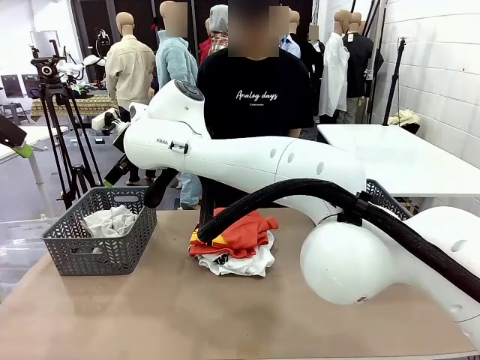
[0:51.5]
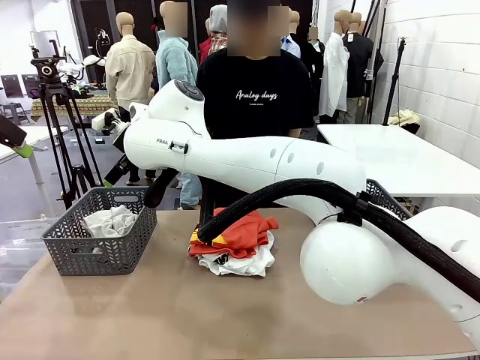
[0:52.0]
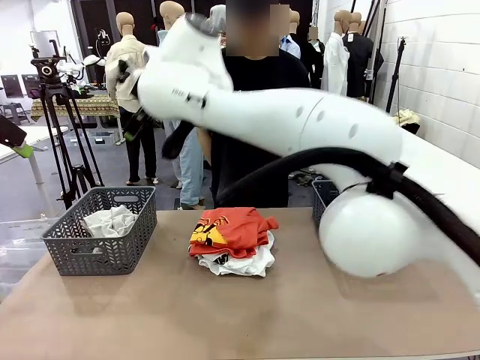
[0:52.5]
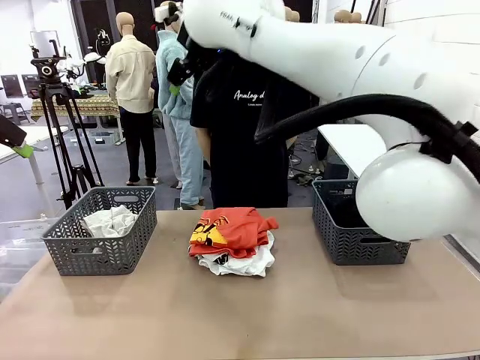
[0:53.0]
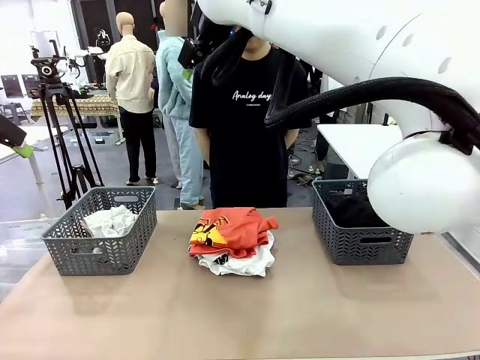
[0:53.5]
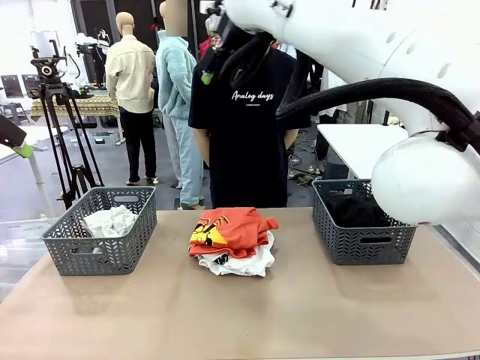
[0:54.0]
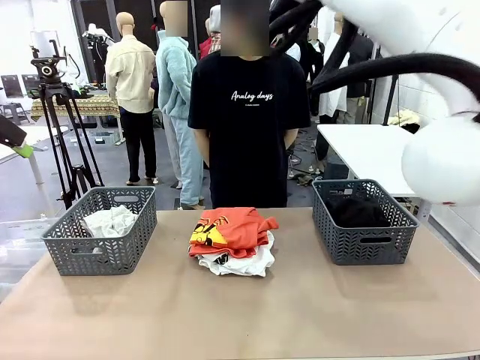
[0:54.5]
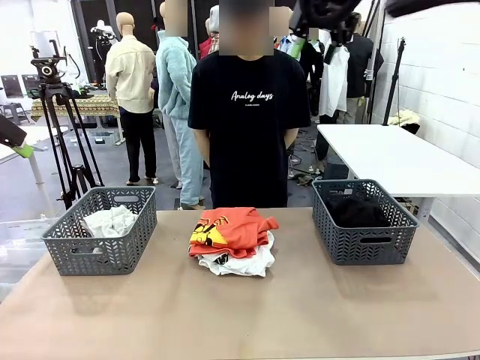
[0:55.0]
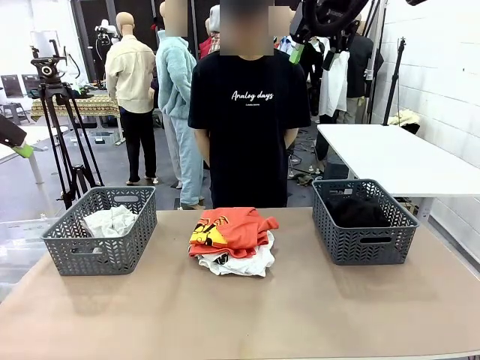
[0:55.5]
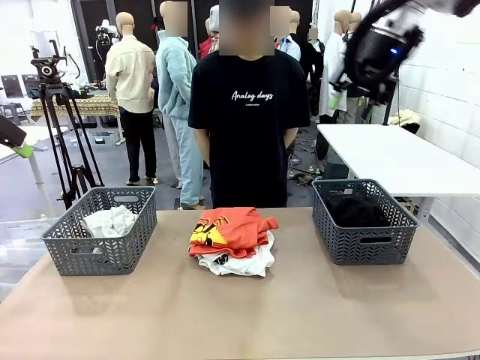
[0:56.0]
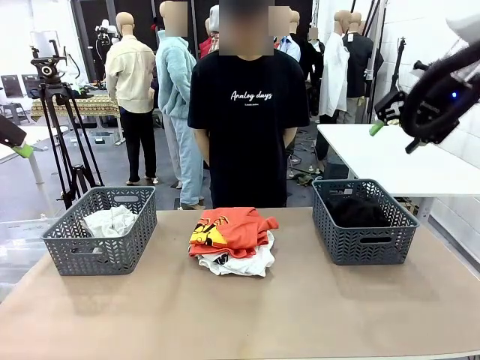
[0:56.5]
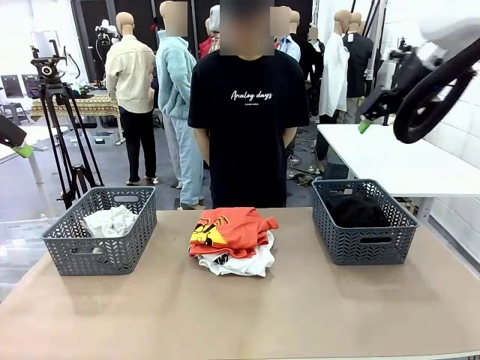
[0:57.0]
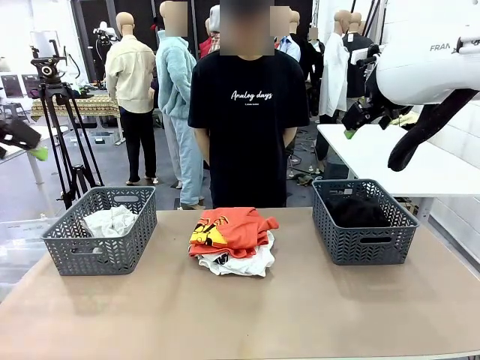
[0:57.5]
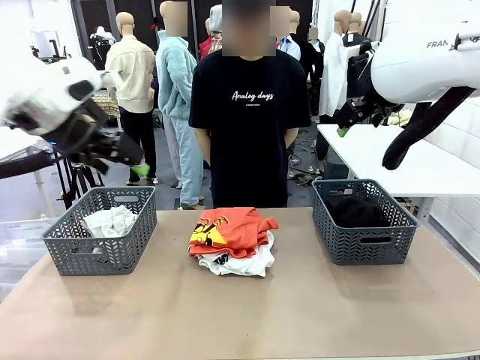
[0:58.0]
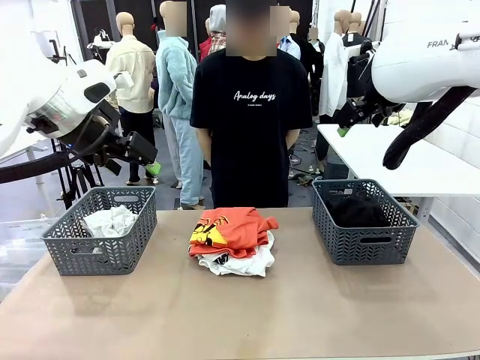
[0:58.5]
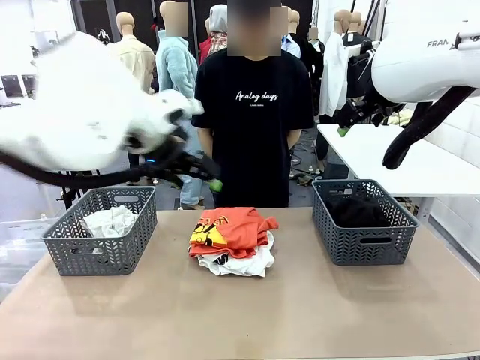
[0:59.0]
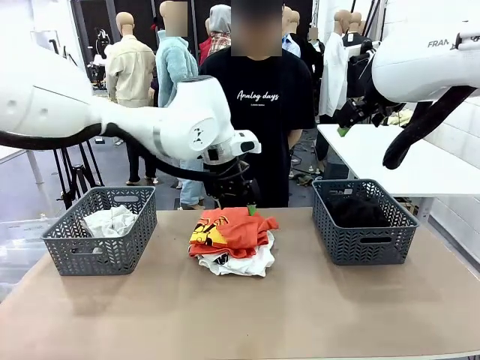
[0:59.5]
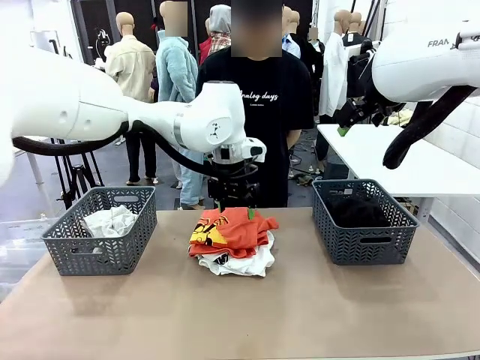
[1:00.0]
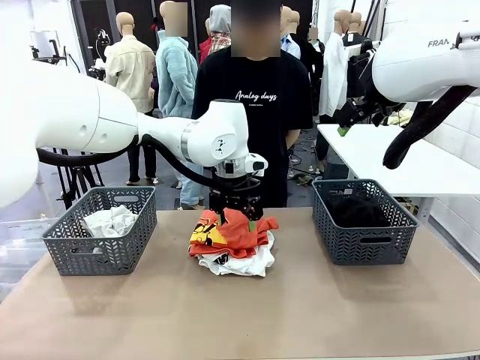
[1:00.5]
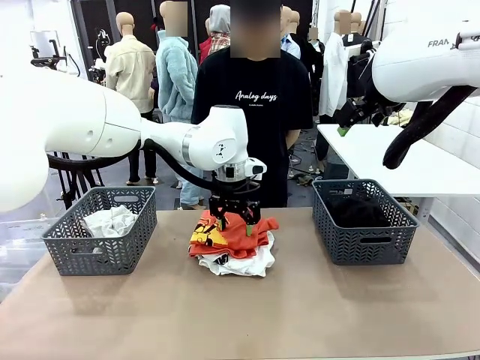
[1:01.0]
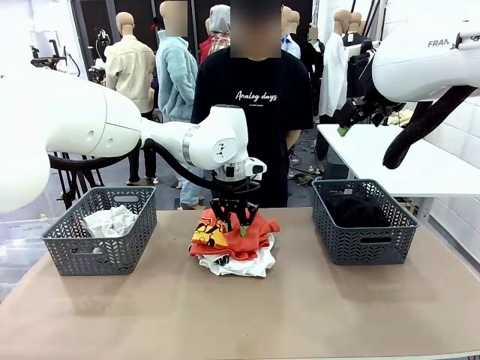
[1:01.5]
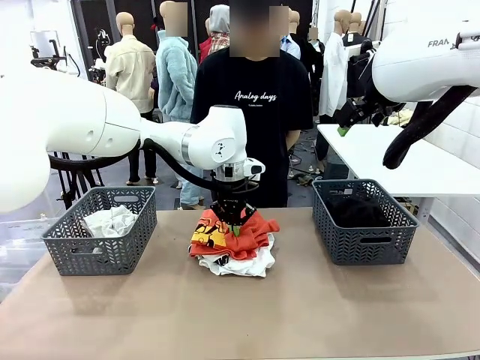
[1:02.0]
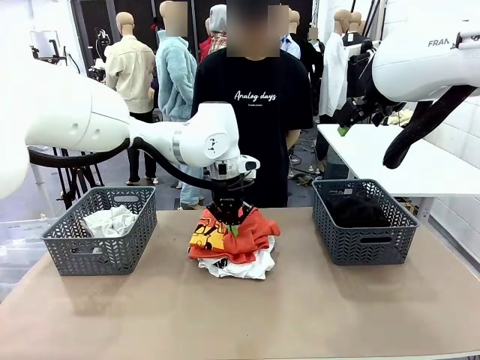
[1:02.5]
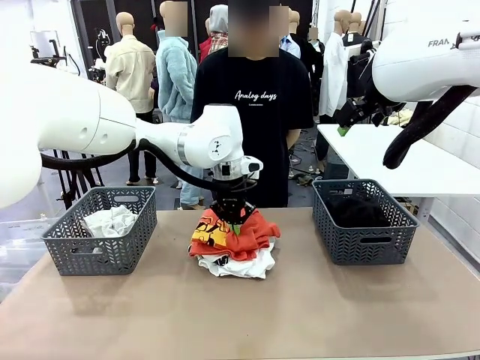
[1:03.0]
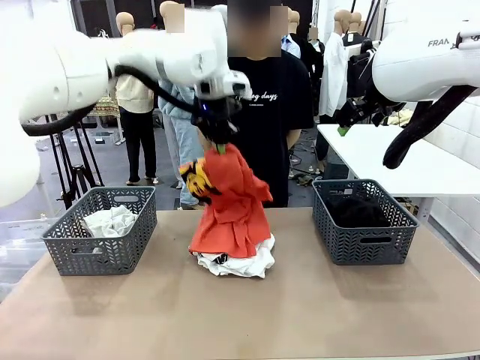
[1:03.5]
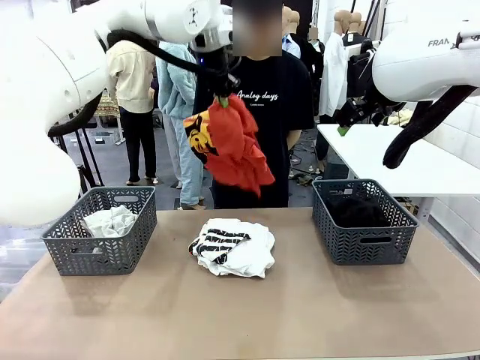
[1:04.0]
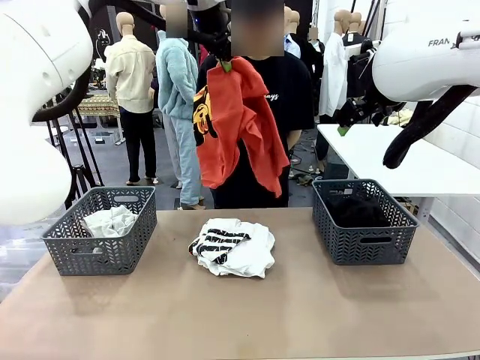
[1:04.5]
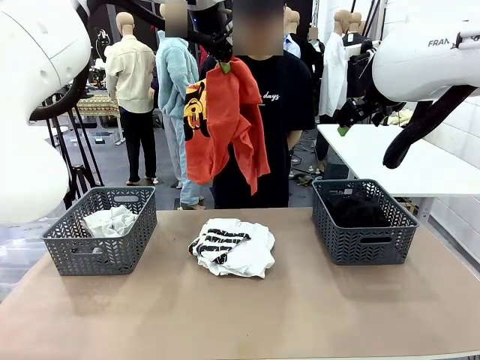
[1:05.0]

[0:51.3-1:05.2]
Task: Sort the tops and bottoms.
Robot: Lift clothes from the center of the table with your left hand.

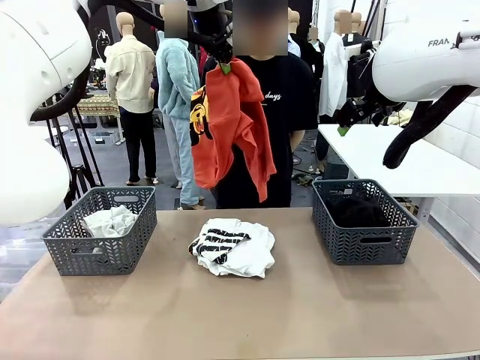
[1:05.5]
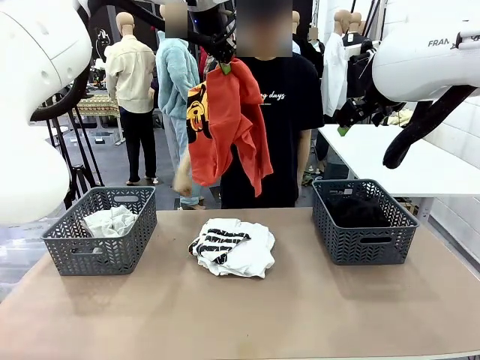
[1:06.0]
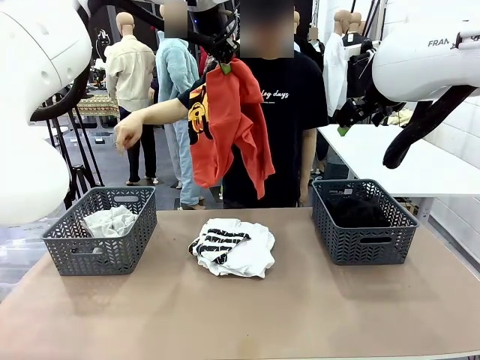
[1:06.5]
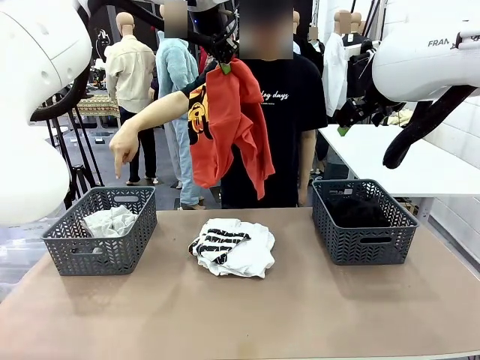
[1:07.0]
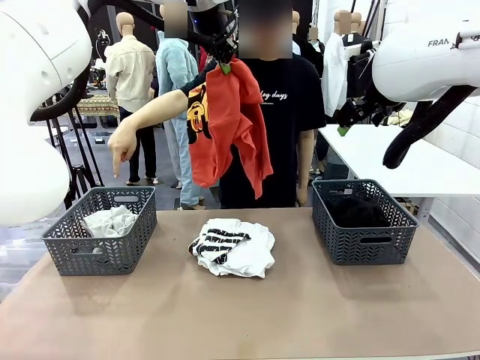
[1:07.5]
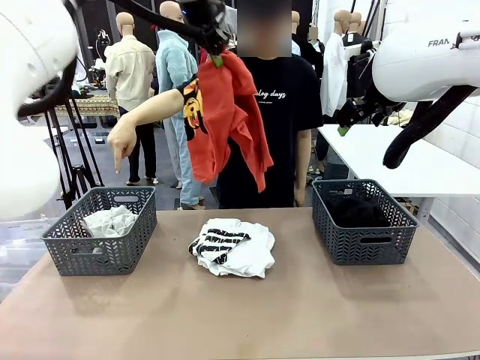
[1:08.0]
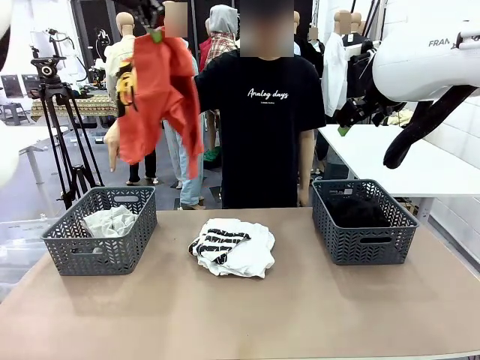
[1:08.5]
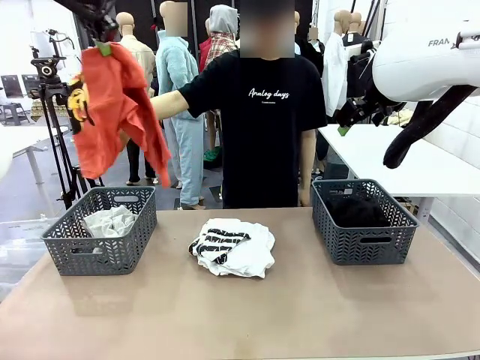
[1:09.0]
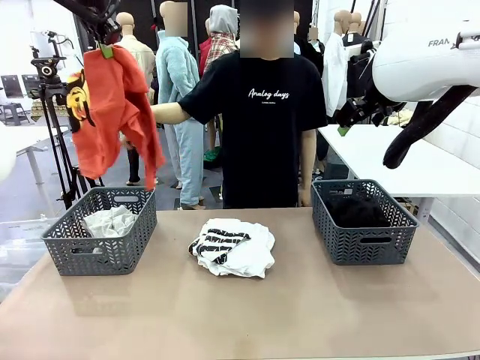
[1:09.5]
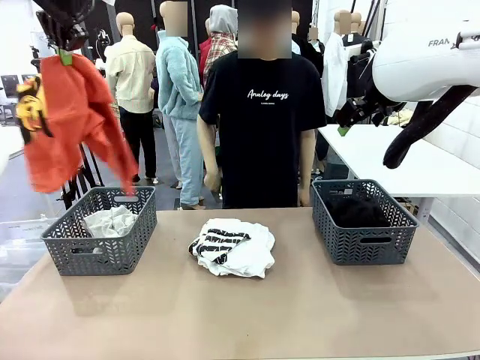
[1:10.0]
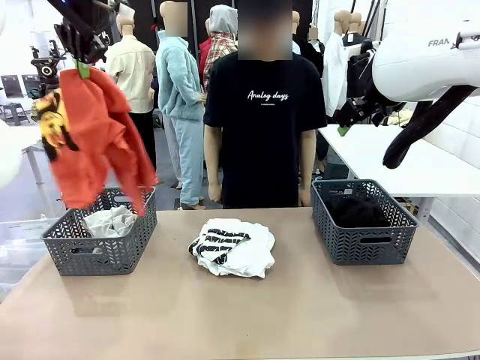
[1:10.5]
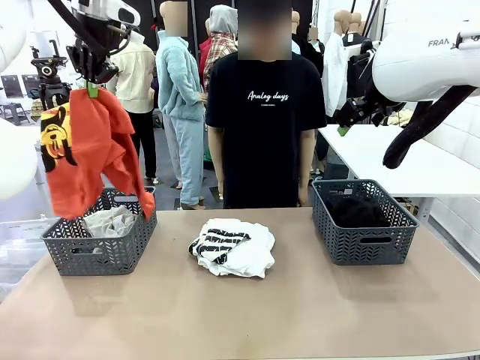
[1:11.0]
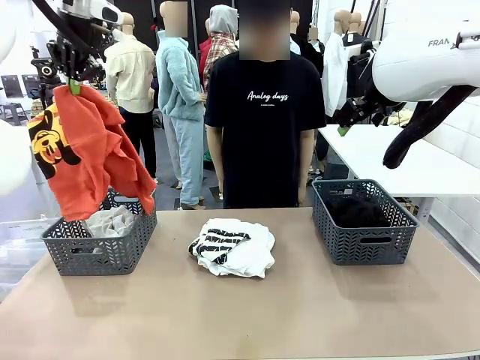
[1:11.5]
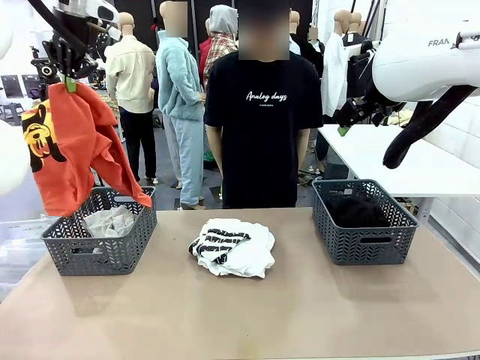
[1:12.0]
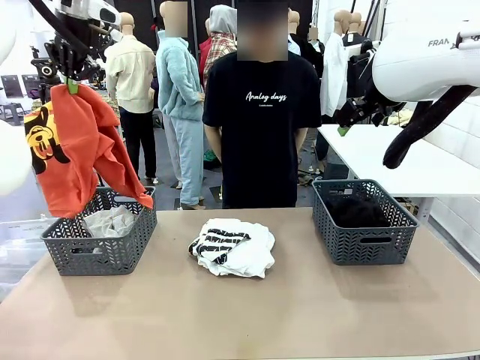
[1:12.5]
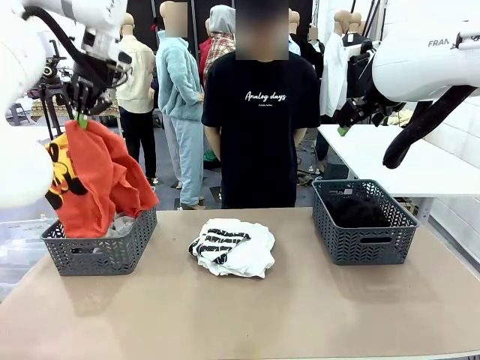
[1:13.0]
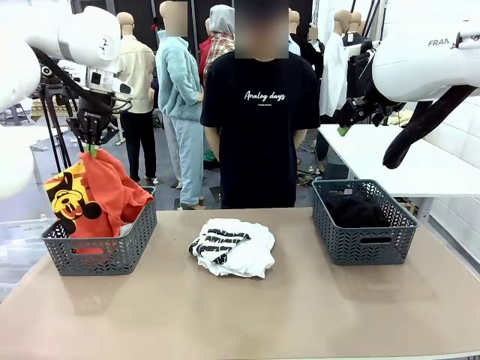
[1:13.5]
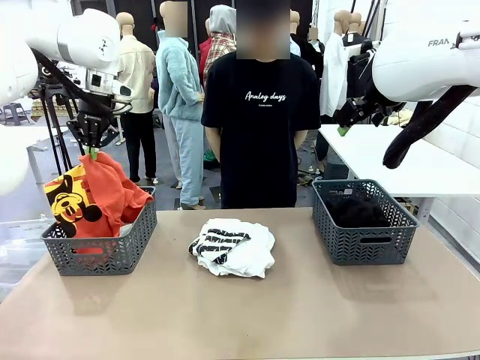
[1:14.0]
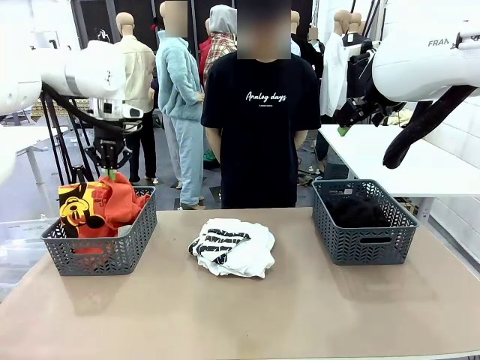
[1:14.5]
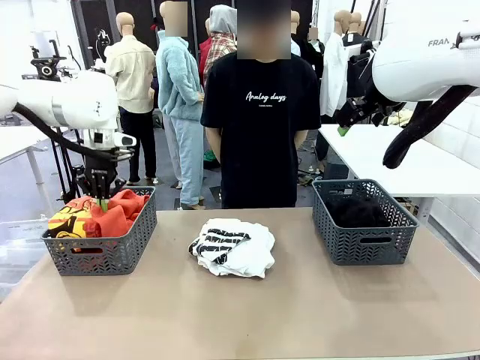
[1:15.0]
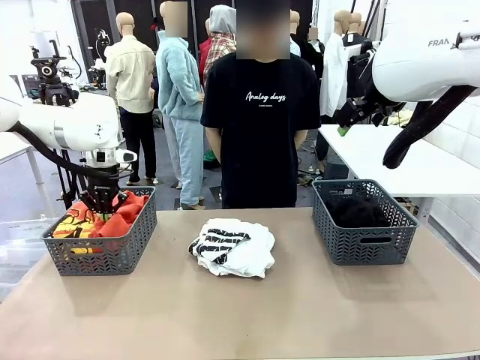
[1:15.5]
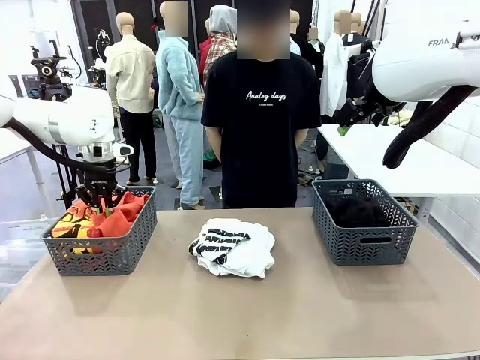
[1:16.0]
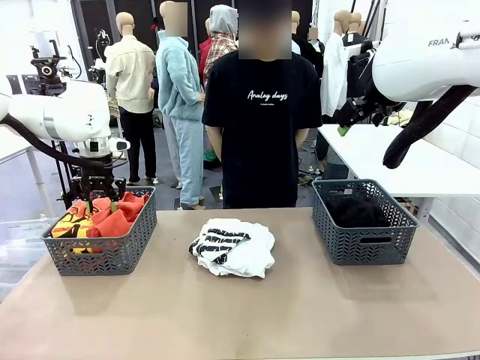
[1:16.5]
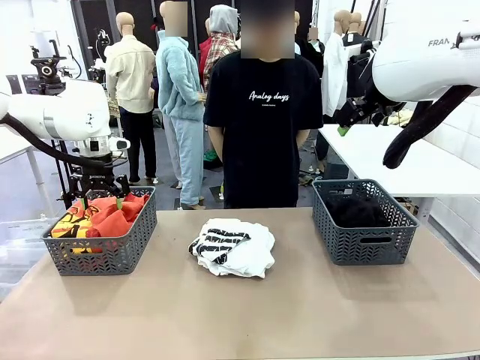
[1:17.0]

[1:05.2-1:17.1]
Robot: Sort the clothes according to human instructions.
